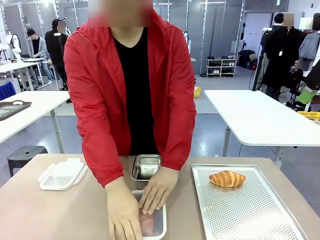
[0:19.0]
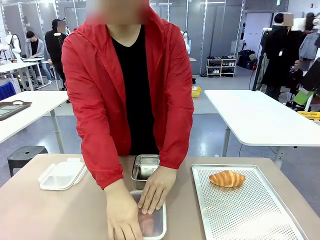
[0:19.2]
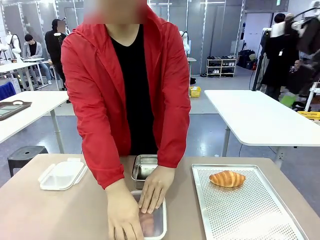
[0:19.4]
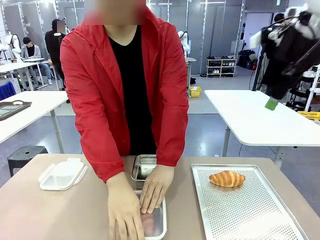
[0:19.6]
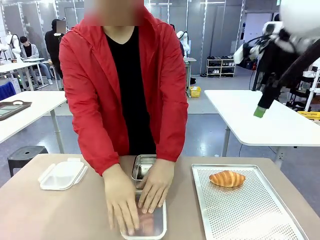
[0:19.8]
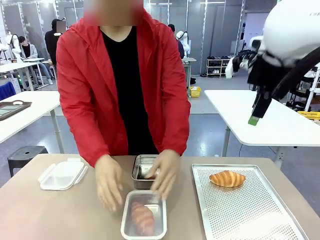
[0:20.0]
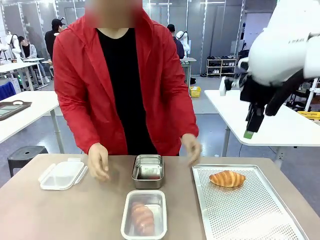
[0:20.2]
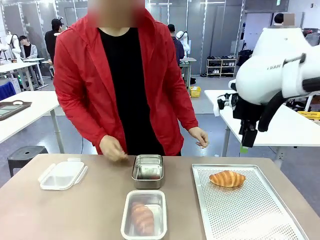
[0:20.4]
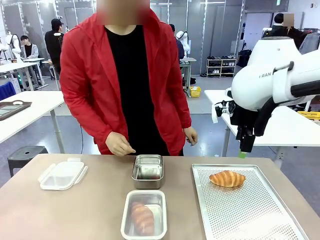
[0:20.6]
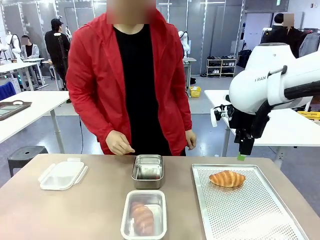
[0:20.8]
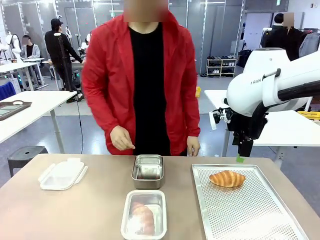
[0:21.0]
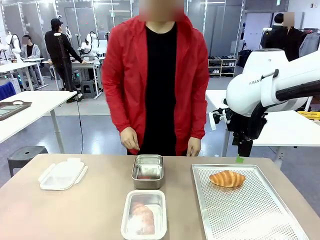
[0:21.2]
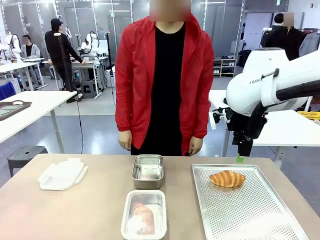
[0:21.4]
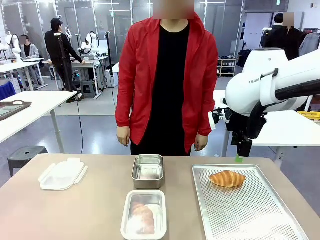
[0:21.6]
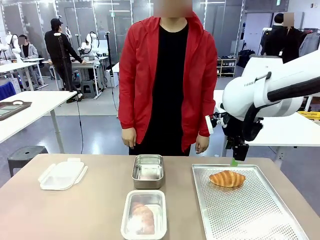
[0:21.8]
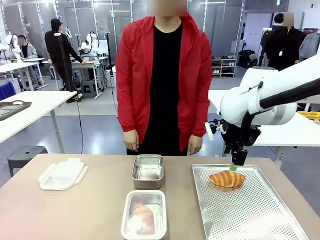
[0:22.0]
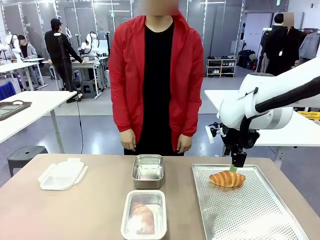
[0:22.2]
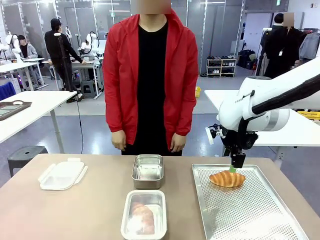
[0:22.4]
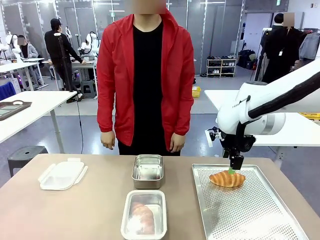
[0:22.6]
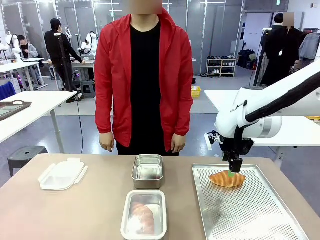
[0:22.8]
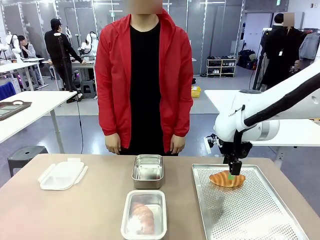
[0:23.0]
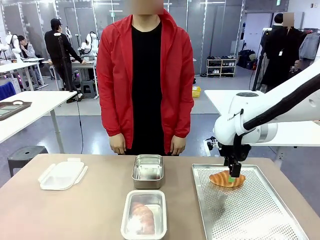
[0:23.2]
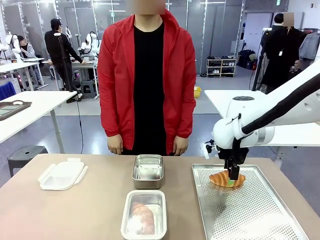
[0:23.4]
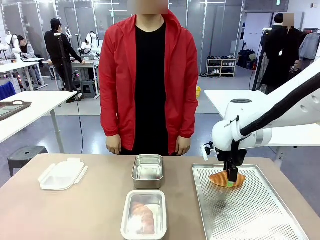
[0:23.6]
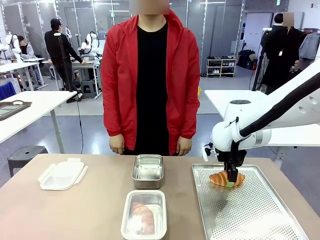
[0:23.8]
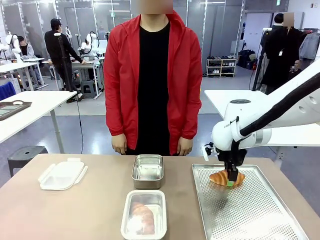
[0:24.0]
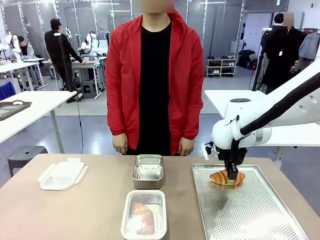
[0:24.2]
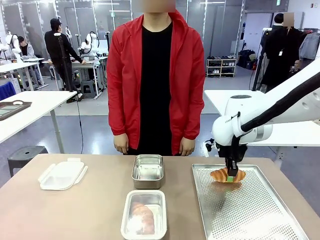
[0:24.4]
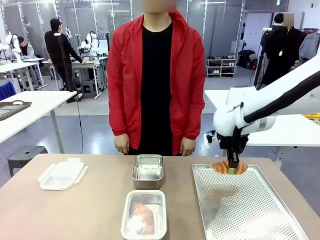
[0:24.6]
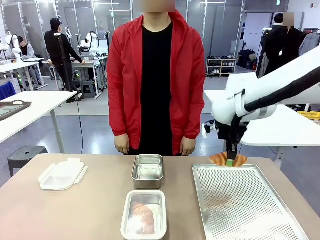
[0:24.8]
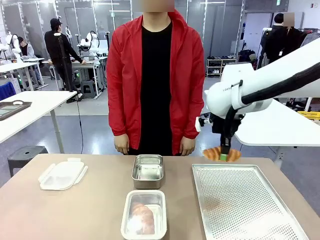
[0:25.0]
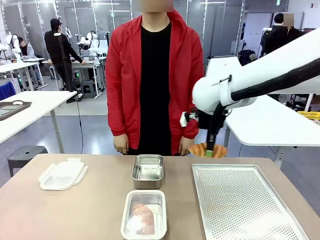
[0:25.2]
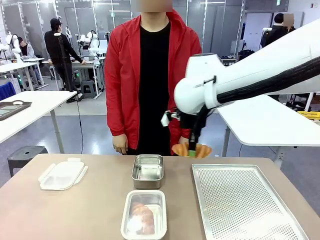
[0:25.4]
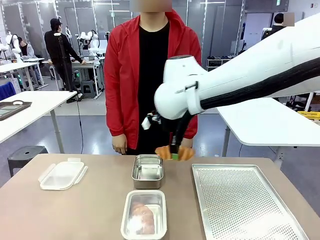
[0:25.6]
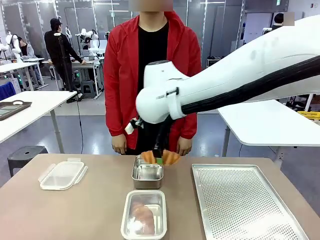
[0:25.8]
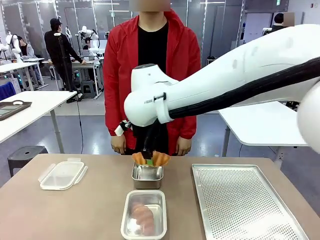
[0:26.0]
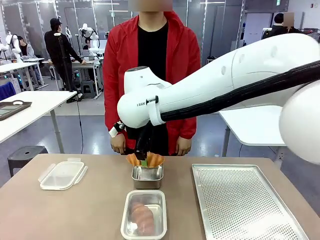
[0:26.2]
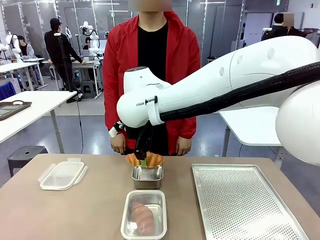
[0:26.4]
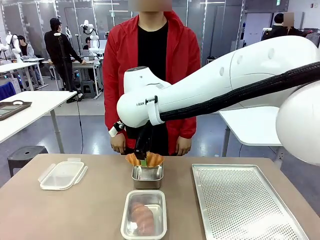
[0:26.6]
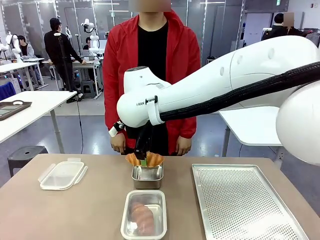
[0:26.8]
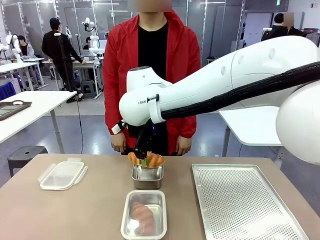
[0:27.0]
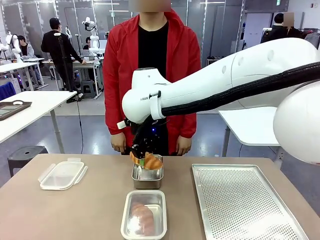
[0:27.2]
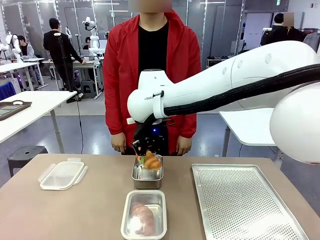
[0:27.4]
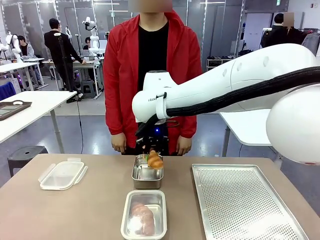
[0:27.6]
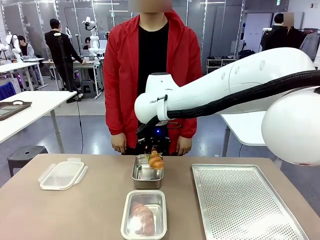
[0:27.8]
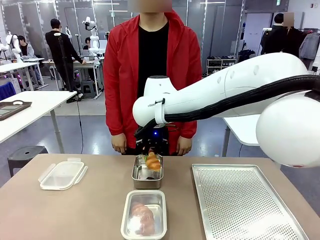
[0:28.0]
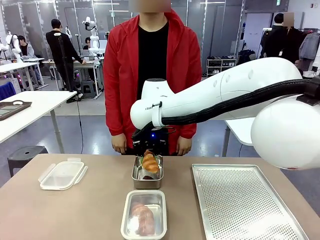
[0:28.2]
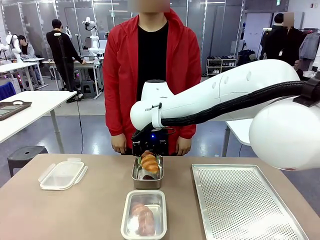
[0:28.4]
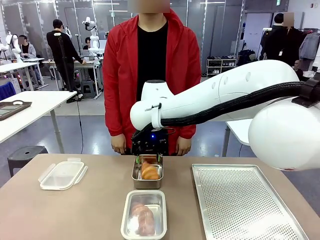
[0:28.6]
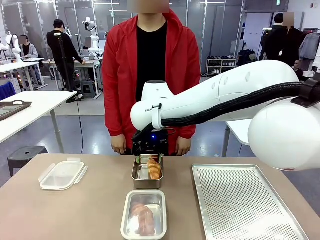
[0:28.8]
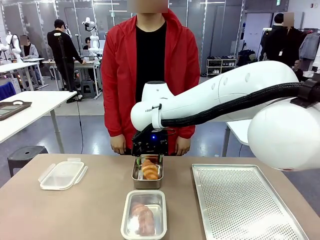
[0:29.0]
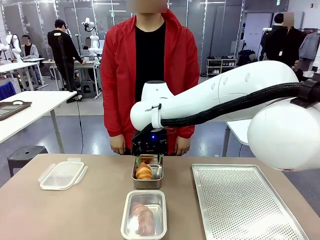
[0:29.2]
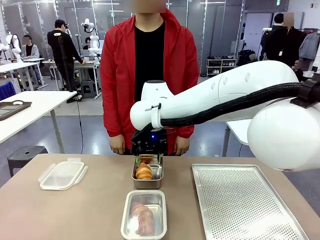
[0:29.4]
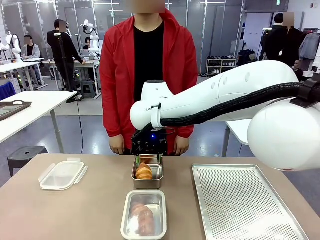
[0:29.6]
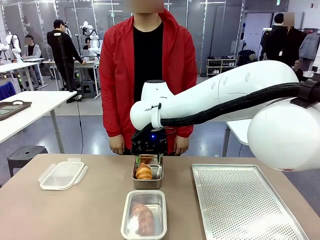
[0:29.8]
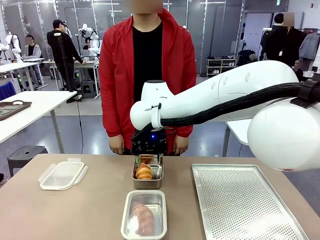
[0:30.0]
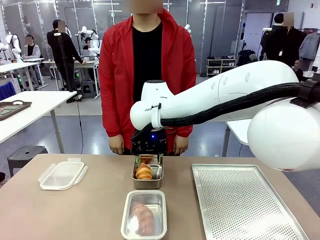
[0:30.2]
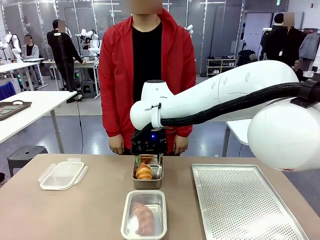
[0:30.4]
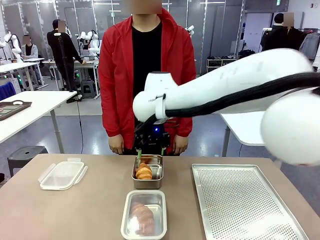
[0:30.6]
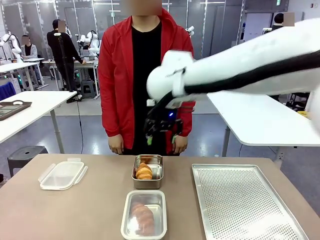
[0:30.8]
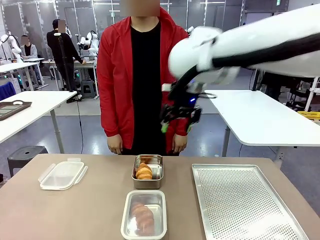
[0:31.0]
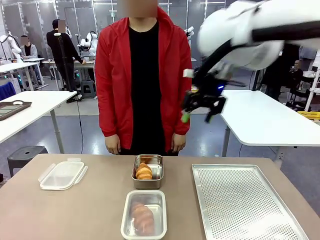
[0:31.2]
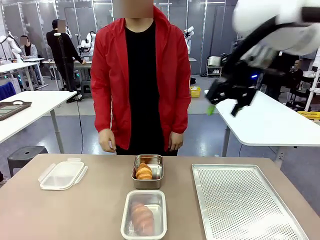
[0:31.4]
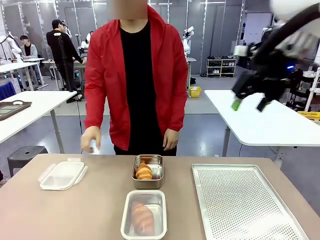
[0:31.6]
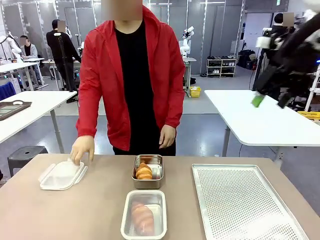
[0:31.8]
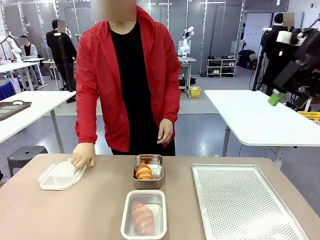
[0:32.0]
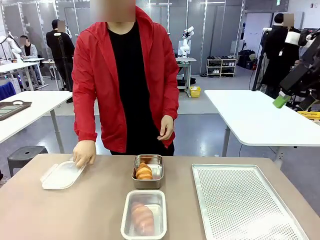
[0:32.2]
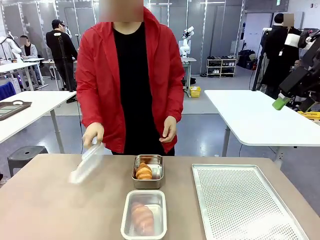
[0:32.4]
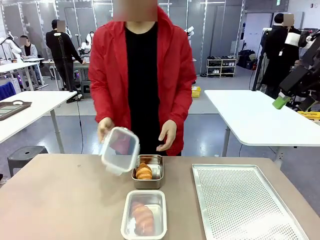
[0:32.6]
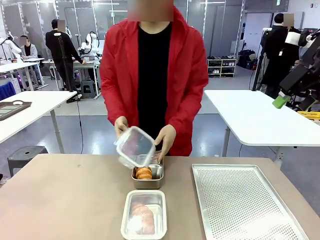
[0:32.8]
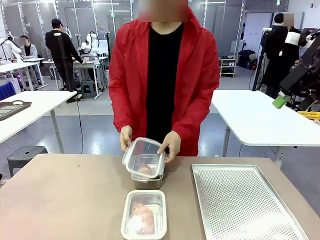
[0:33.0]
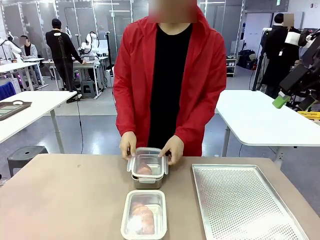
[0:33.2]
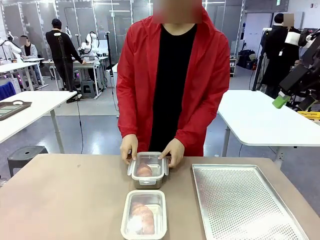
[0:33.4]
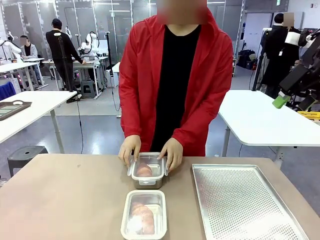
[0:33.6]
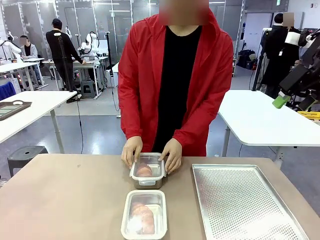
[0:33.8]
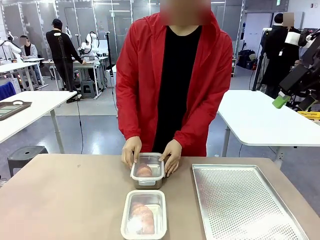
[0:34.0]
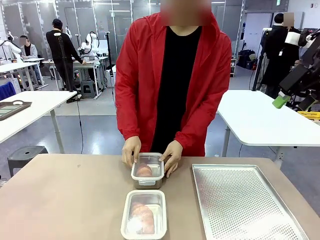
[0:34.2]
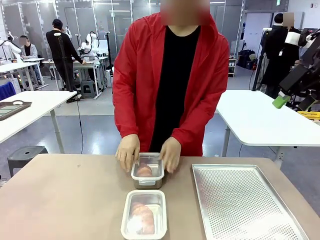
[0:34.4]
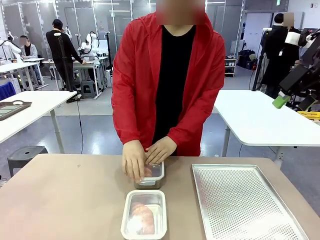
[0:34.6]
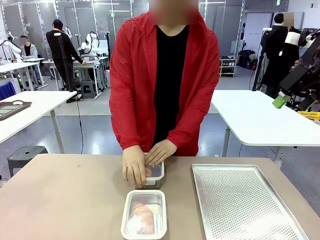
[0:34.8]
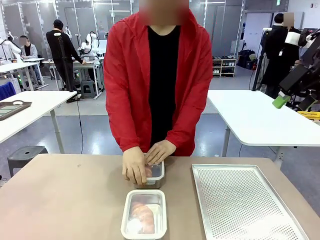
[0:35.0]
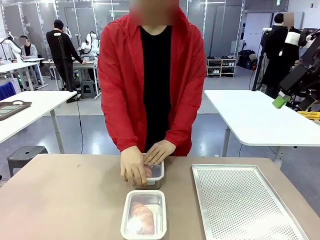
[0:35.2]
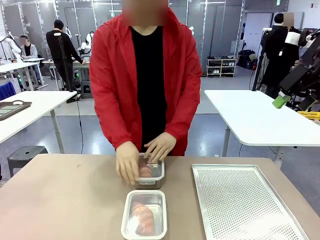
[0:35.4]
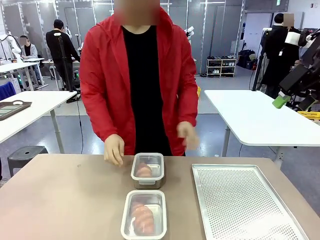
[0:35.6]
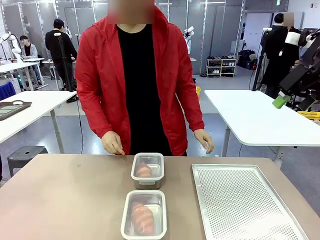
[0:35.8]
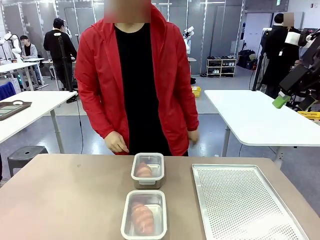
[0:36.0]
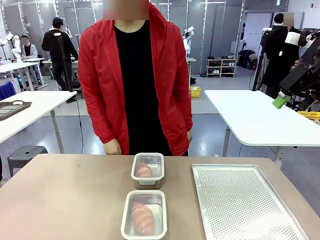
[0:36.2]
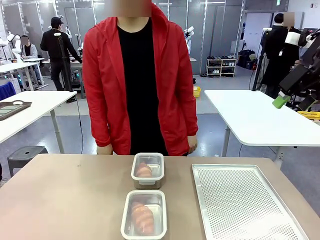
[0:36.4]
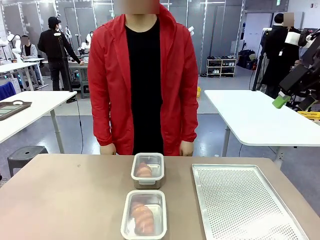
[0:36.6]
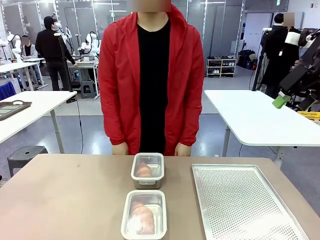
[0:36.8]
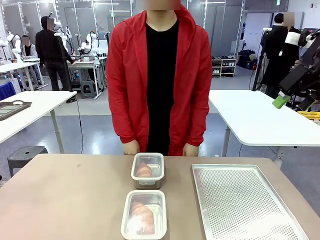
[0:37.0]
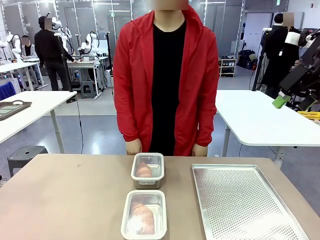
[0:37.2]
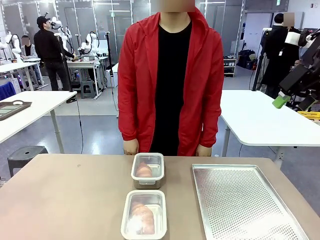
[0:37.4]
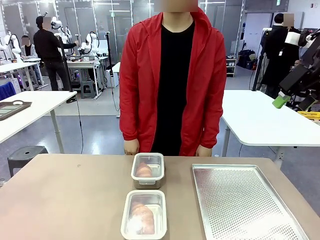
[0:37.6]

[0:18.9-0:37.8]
Task: Place the bread into the airtight container.
Robot: Pick up a Butter Roll and place it into an empty Airtight Container.
